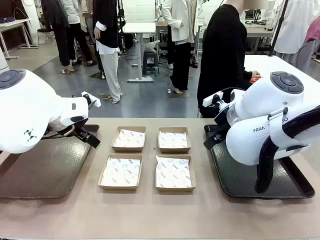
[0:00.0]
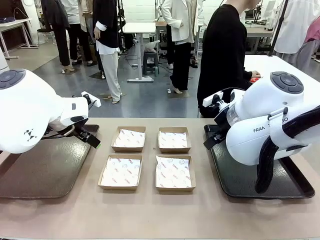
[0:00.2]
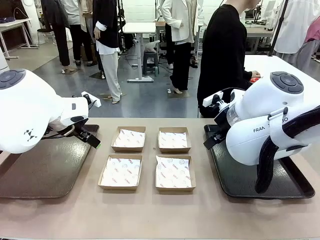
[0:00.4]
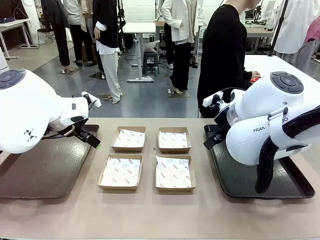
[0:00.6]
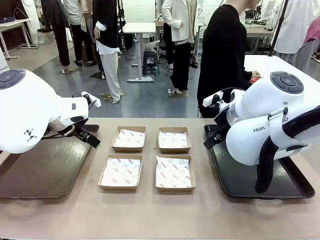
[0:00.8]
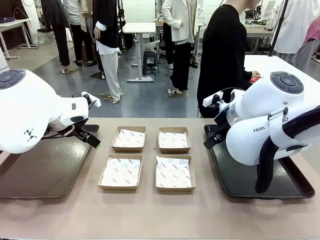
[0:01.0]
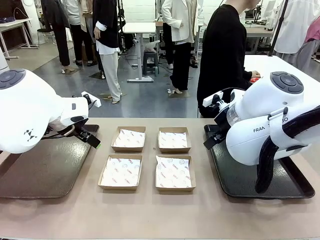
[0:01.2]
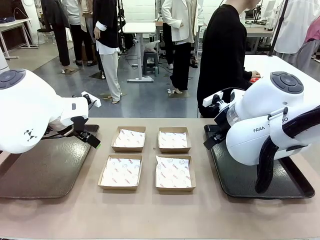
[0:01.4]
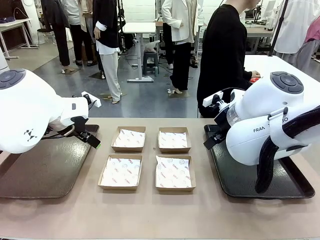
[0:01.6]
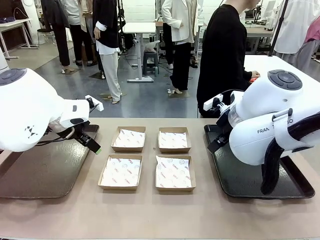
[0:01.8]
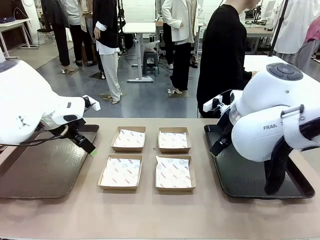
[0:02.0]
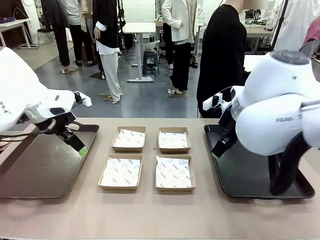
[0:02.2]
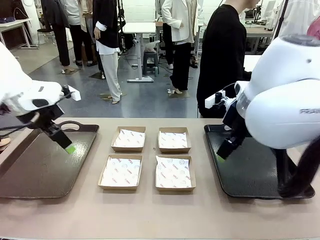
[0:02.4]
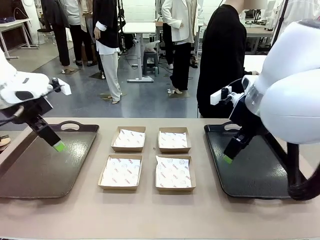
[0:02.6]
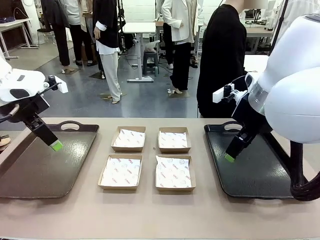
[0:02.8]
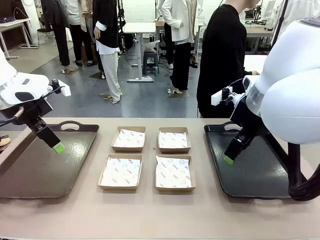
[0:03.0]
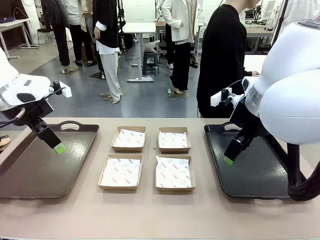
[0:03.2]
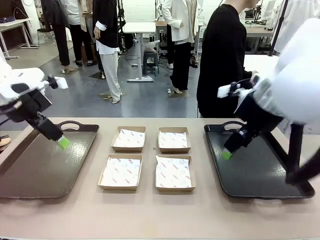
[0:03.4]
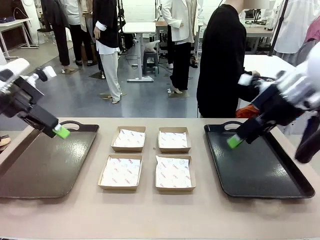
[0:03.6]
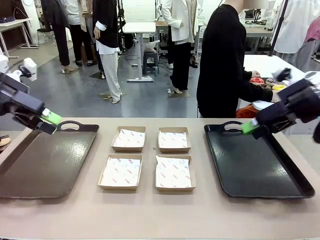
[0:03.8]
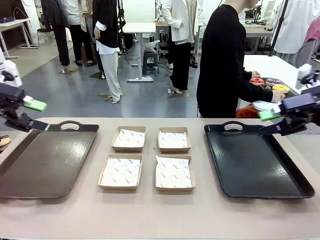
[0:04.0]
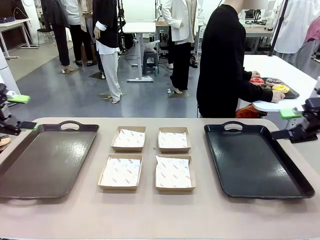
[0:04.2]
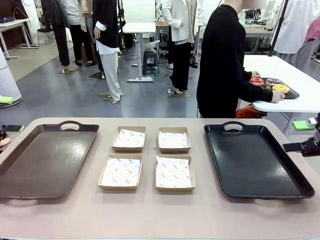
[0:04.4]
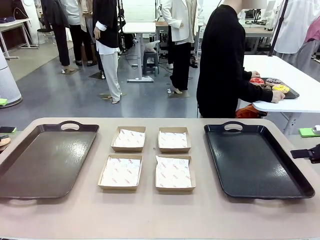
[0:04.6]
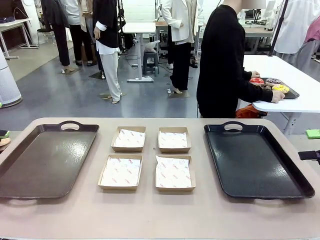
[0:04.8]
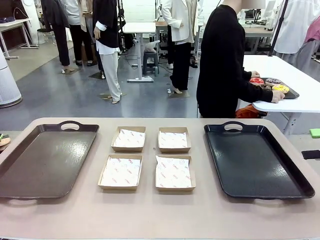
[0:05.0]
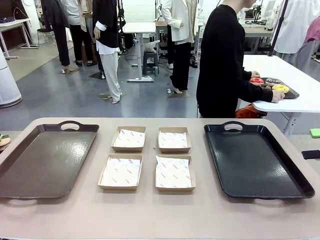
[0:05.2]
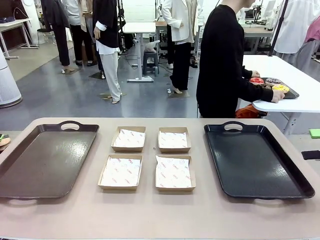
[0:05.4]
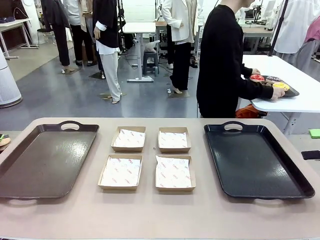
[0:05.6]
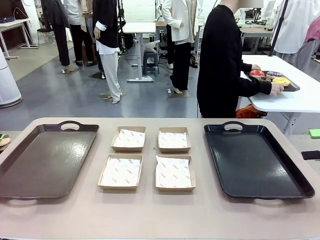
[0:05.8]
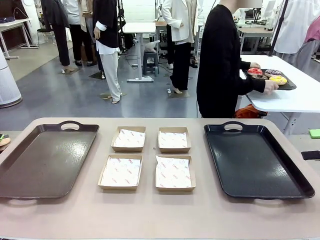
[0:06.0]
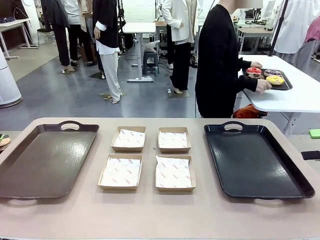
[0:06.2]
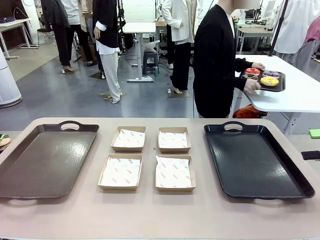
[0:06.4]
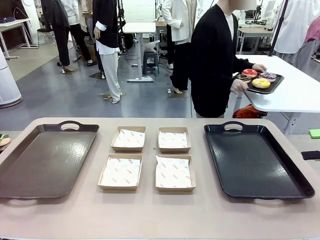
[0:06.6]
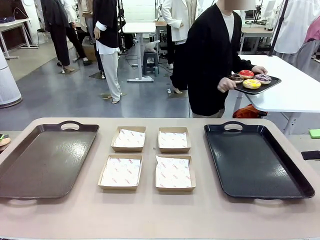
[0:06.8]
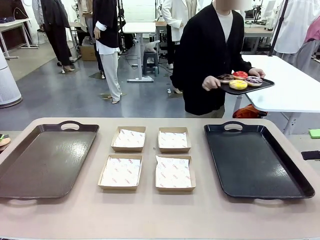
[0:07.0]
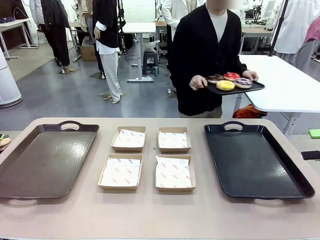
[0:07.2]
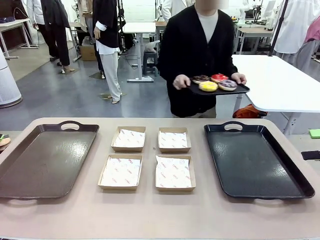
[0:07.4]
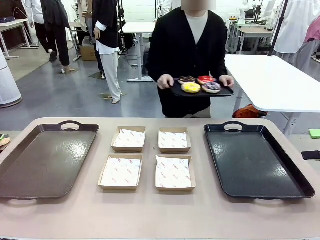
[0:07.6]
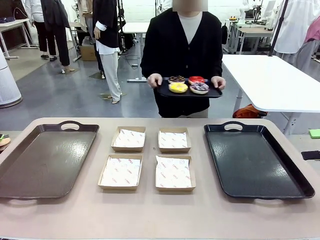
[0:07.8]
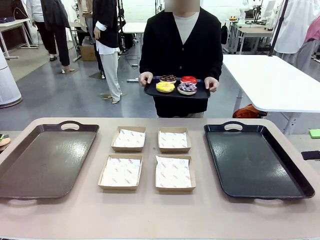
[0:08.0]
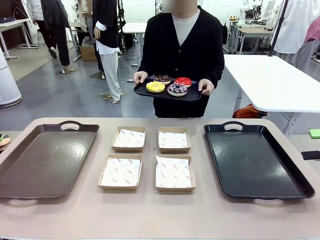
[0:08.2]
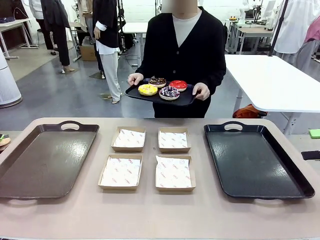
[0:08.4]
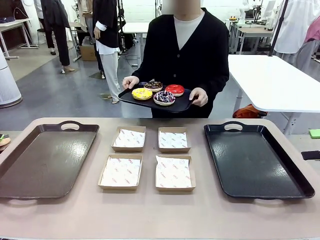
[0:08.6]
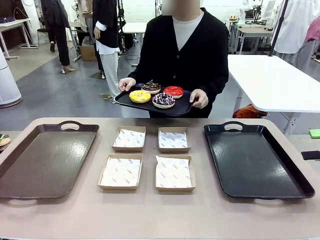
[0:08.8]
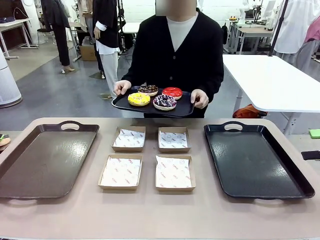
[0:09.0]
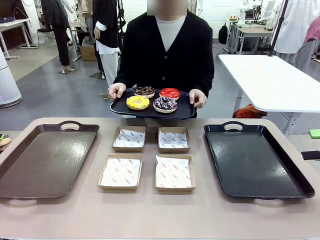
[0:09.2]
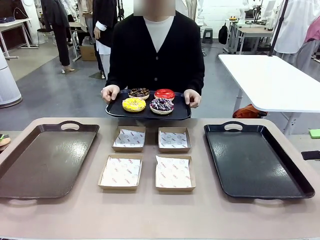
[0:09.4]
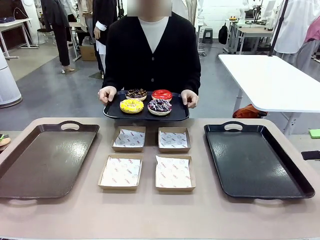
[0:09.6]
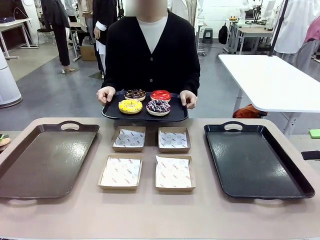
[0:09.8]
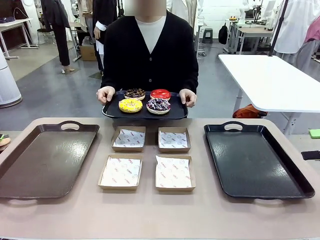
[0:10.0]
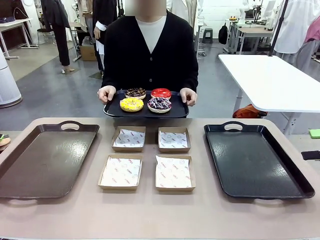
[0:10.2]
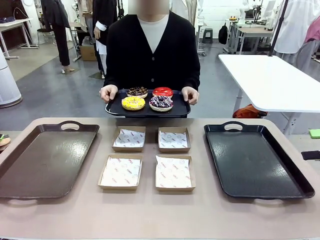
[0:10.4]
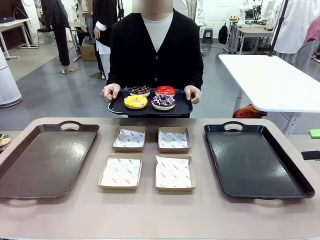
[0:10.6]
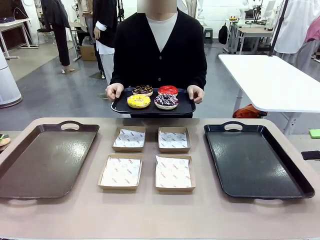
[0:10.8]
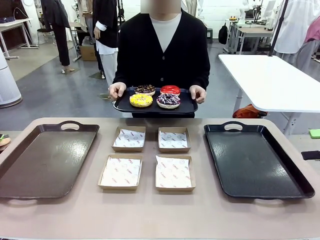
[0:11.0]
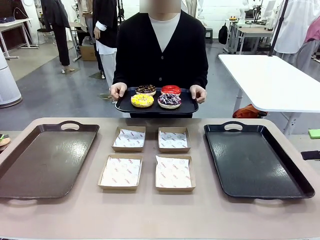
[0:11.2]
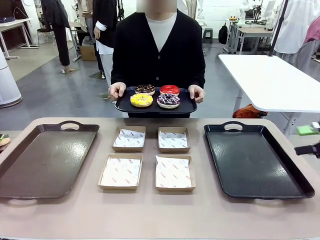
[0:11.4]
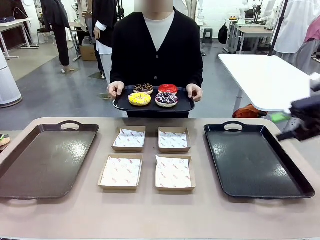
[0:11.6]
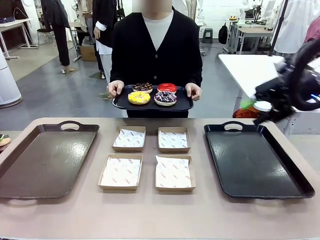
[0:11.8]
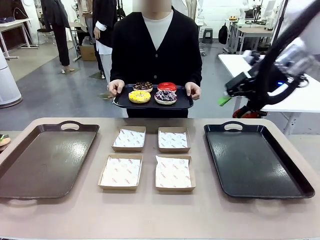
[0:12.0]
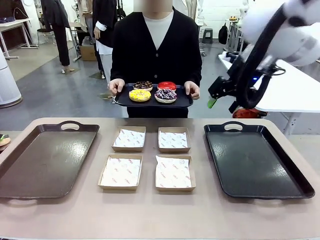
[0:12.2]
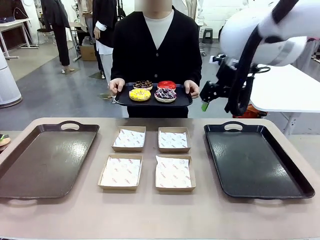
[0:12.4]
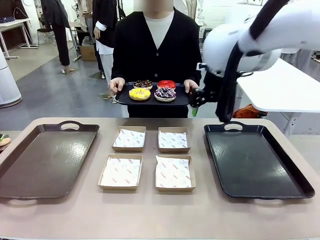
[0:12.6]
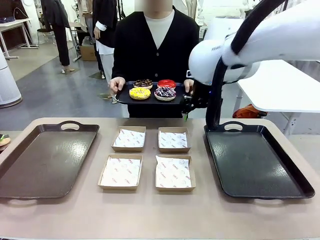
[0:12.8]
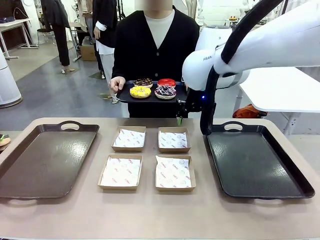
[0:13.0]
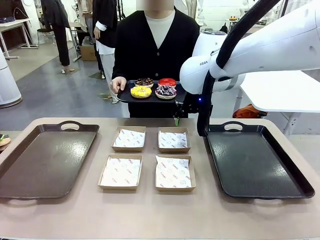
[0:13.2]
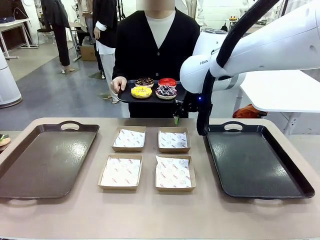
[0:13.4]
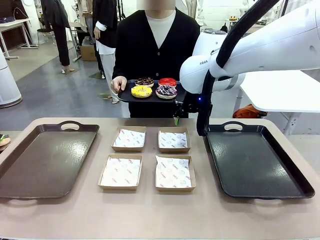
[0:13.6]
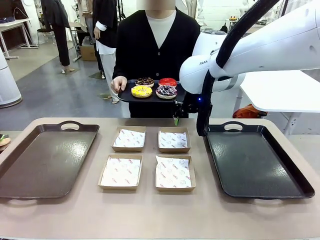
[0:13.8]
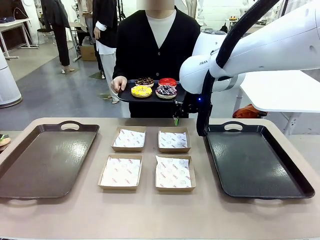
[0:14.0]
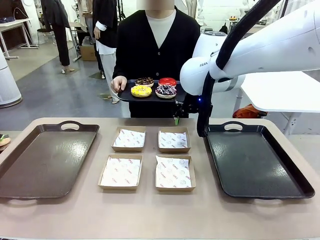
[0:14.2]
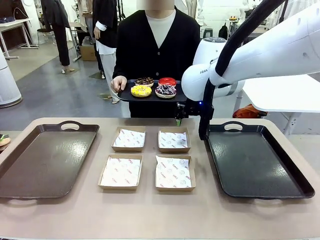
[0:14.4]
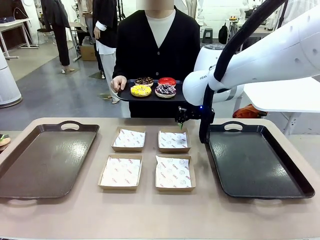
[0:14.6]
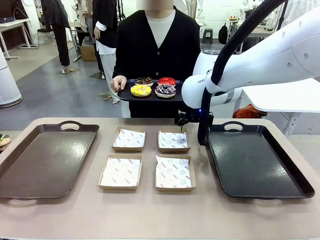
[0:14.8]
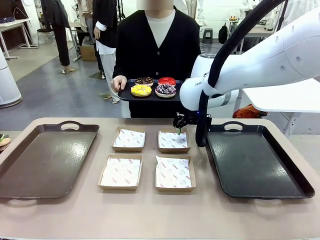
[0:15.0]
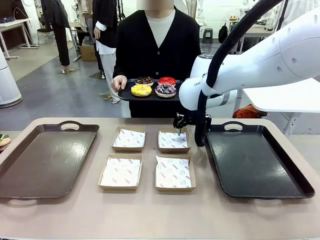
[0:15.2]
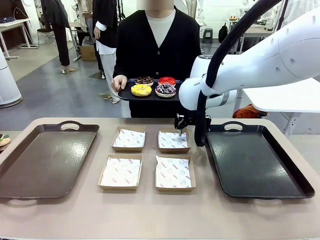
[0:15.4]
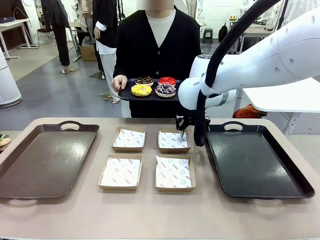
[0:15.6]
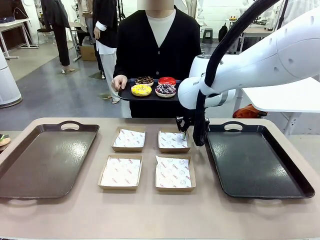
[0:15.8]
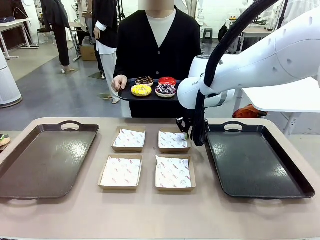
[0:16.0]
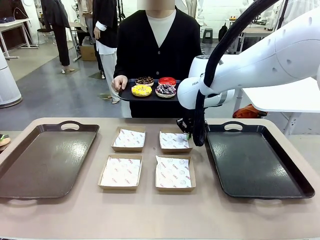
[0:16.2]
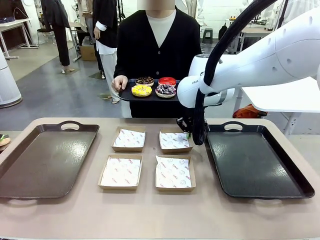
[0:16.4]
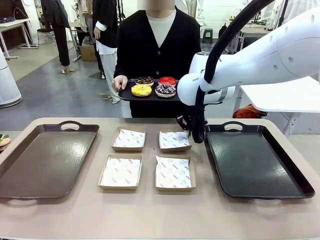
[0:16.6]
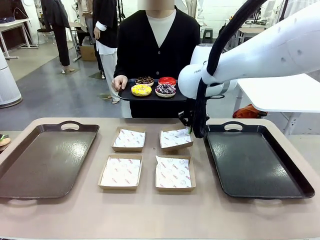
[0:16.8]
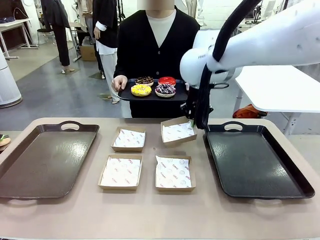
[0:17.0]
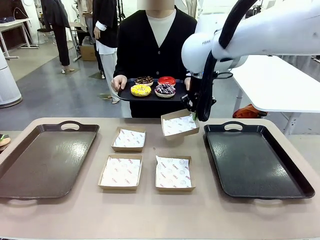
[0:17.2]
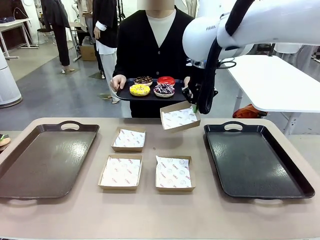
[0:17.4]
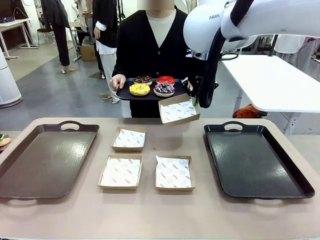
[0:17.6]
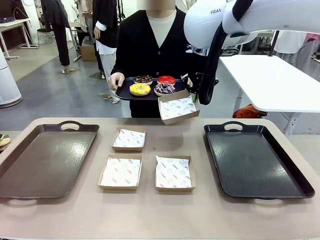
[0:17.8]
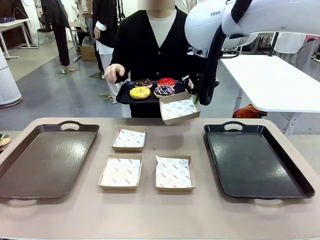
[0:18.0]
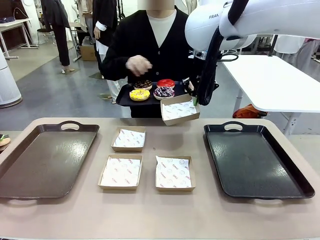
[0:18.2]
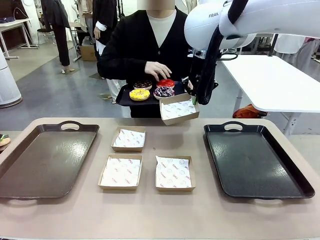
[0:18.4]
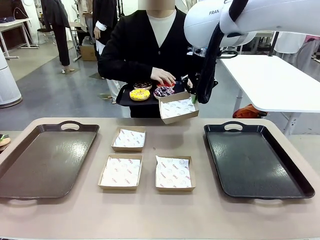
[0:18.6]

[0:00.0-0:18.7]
Task: Individually package the donuts and arrange them on the tray.
Robot: Pick up one Paper togo box.
Person: Stand in front of the robot table holding the tray containing the donuts.
